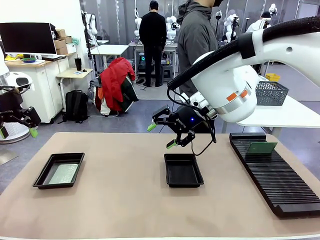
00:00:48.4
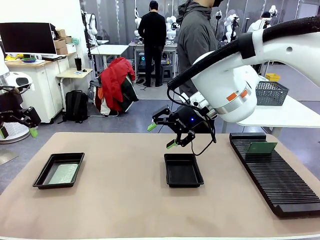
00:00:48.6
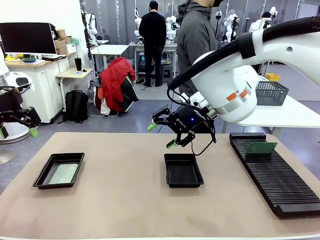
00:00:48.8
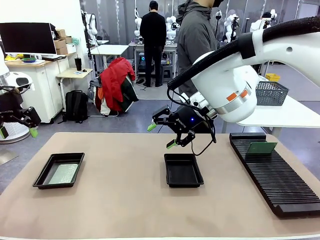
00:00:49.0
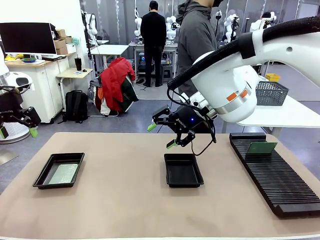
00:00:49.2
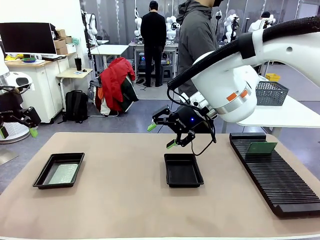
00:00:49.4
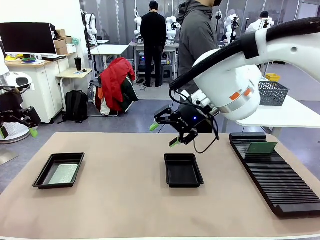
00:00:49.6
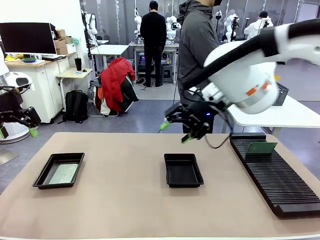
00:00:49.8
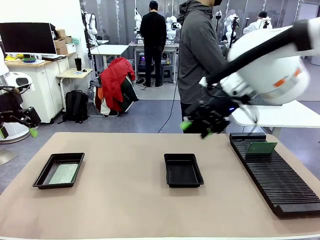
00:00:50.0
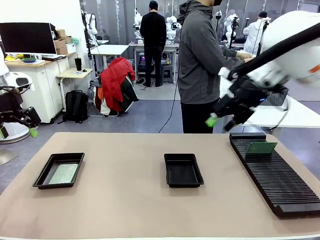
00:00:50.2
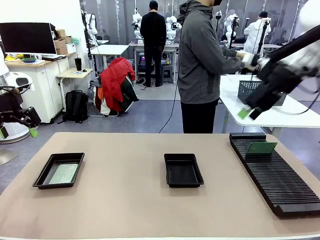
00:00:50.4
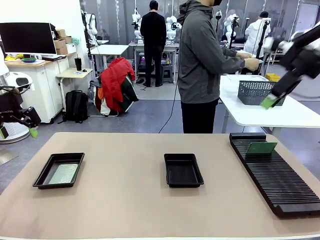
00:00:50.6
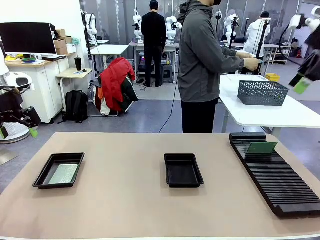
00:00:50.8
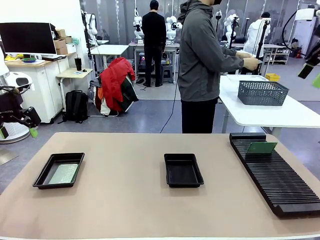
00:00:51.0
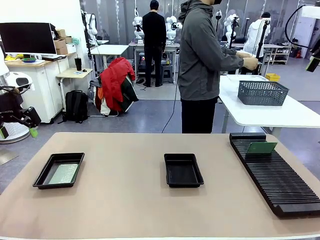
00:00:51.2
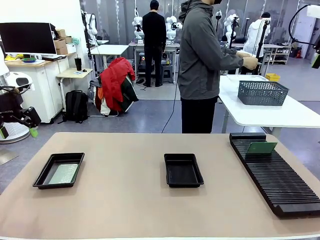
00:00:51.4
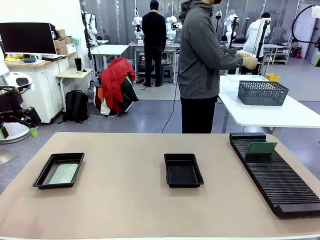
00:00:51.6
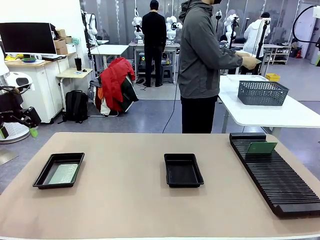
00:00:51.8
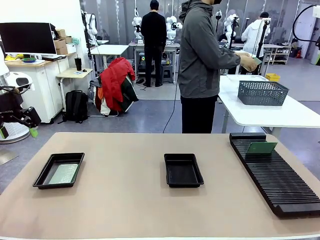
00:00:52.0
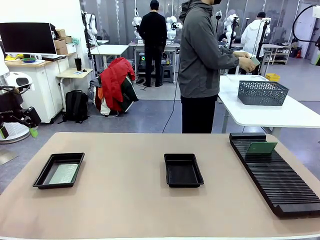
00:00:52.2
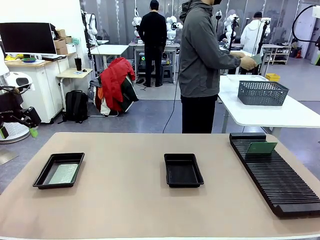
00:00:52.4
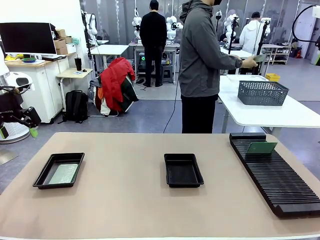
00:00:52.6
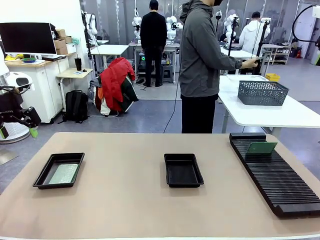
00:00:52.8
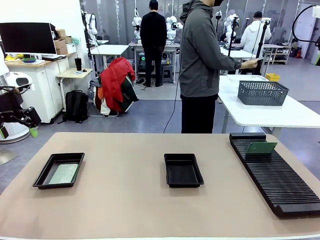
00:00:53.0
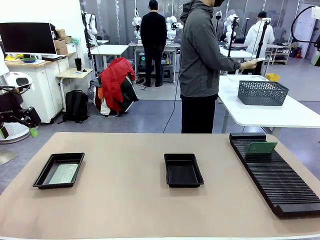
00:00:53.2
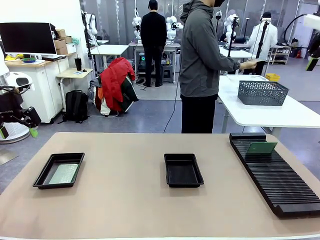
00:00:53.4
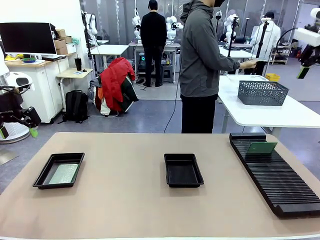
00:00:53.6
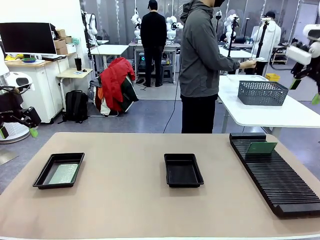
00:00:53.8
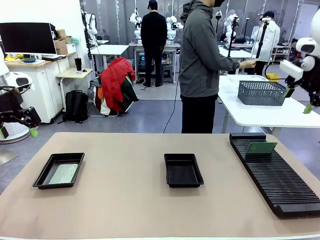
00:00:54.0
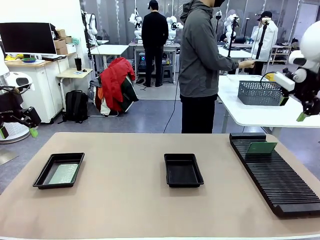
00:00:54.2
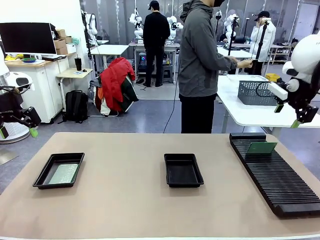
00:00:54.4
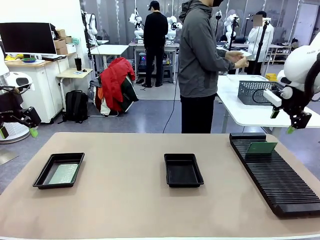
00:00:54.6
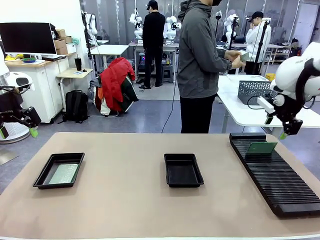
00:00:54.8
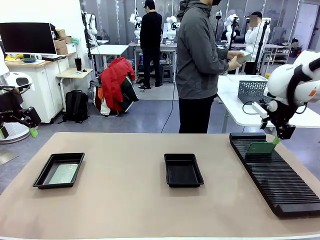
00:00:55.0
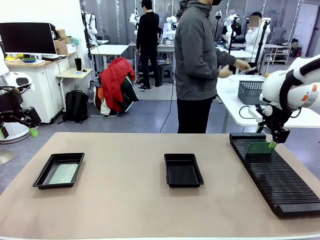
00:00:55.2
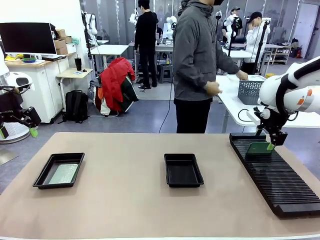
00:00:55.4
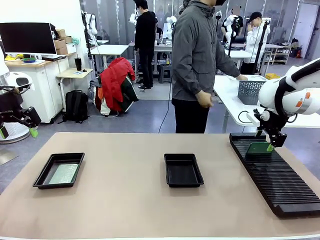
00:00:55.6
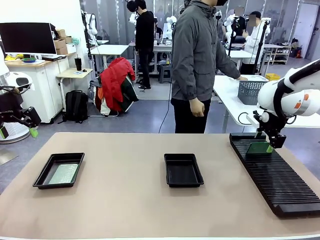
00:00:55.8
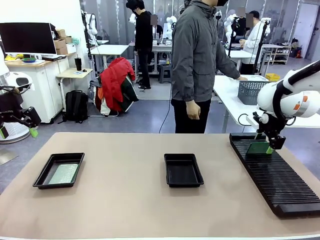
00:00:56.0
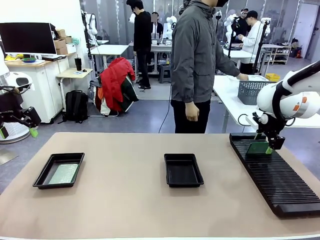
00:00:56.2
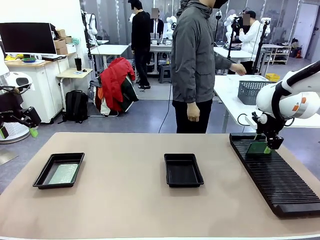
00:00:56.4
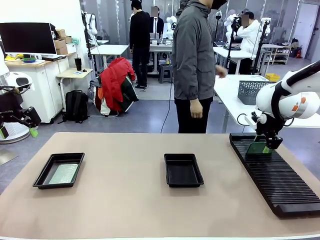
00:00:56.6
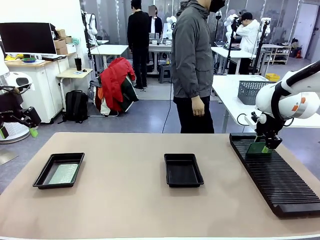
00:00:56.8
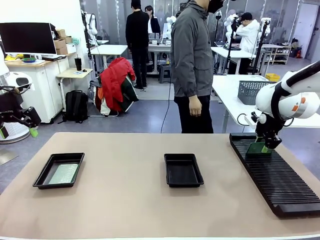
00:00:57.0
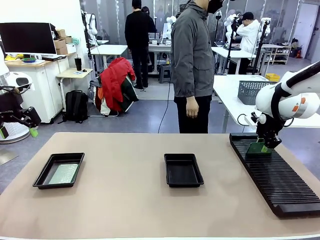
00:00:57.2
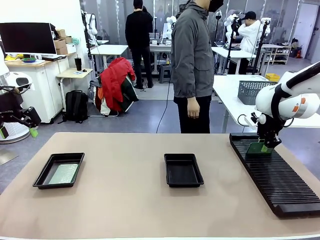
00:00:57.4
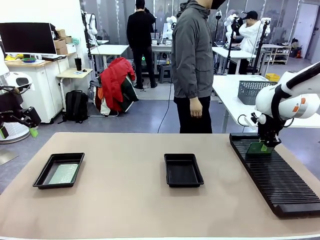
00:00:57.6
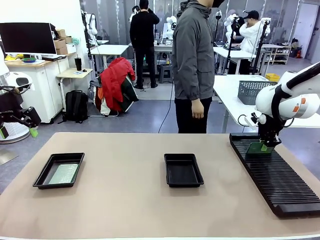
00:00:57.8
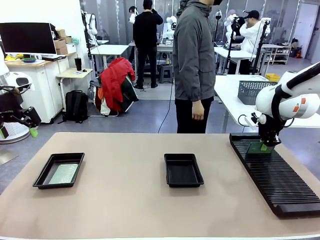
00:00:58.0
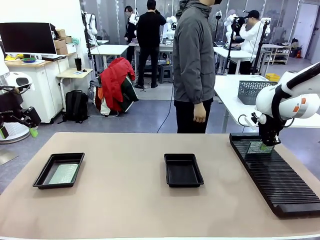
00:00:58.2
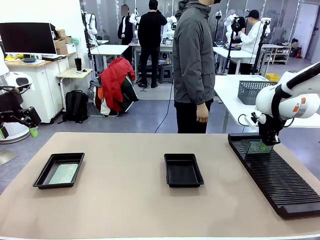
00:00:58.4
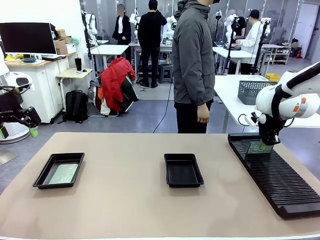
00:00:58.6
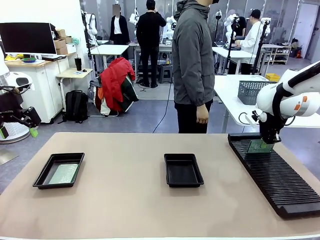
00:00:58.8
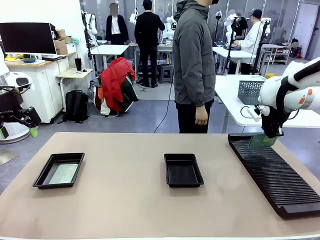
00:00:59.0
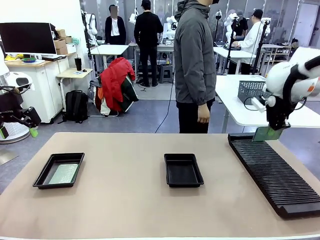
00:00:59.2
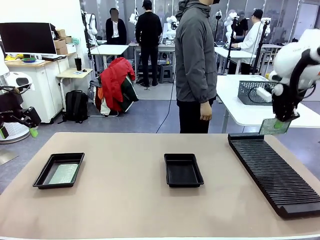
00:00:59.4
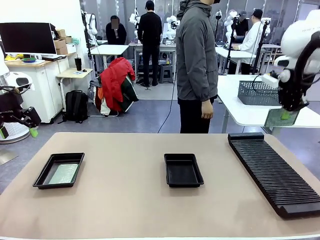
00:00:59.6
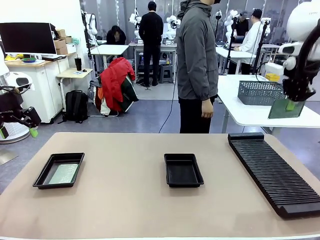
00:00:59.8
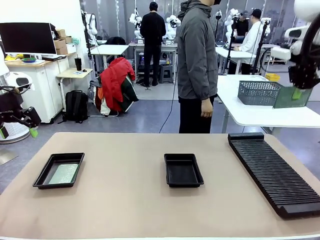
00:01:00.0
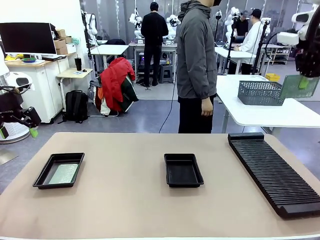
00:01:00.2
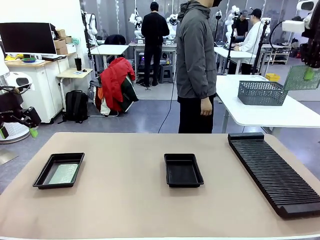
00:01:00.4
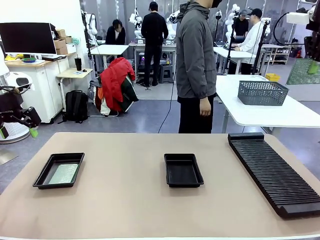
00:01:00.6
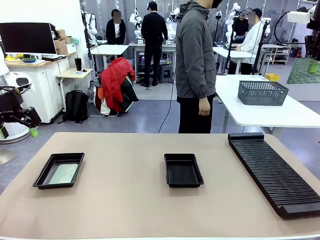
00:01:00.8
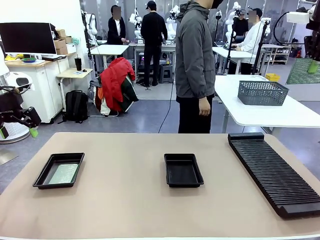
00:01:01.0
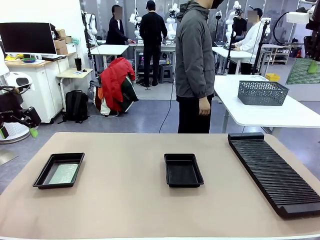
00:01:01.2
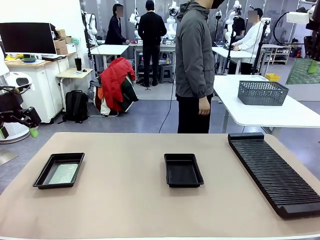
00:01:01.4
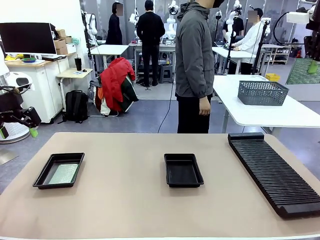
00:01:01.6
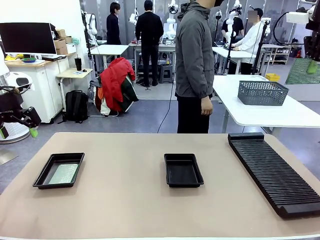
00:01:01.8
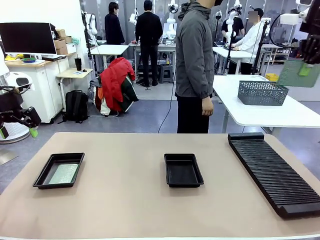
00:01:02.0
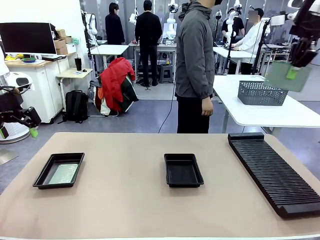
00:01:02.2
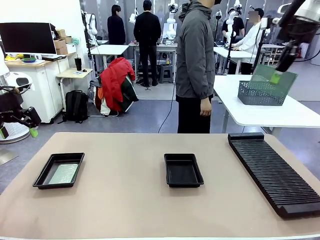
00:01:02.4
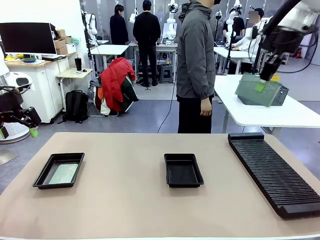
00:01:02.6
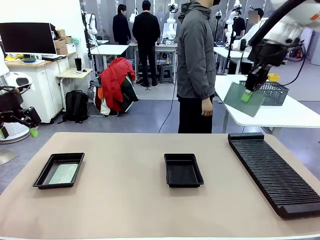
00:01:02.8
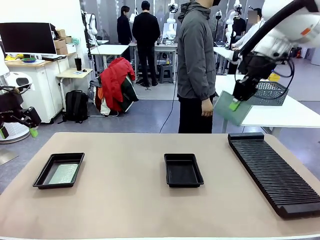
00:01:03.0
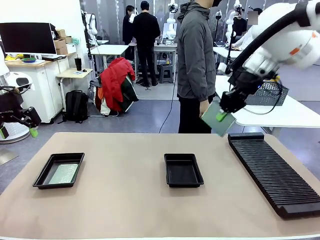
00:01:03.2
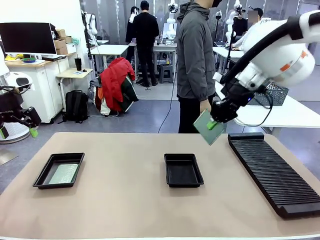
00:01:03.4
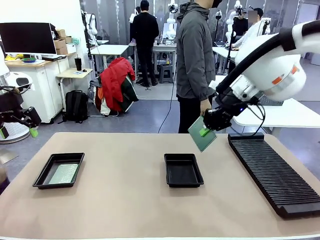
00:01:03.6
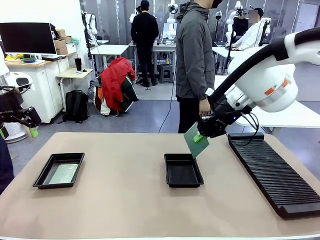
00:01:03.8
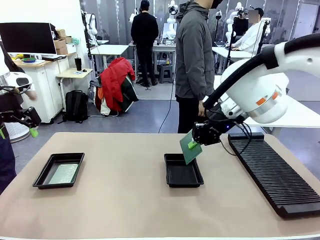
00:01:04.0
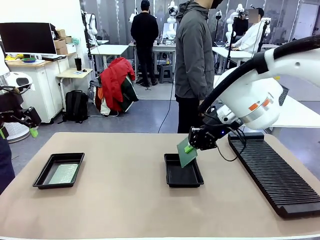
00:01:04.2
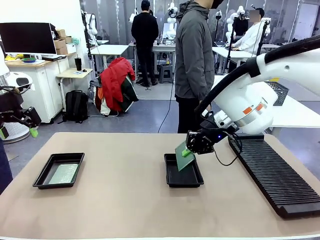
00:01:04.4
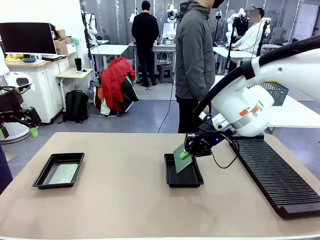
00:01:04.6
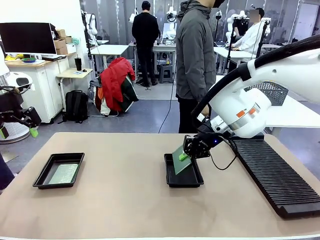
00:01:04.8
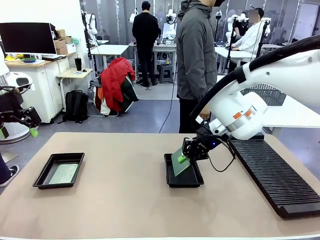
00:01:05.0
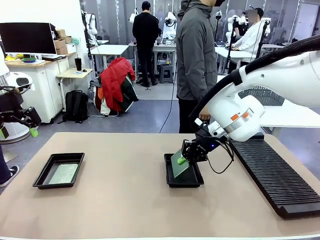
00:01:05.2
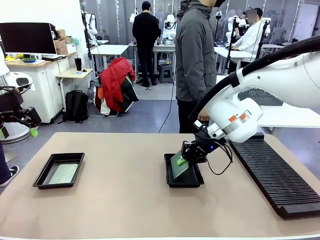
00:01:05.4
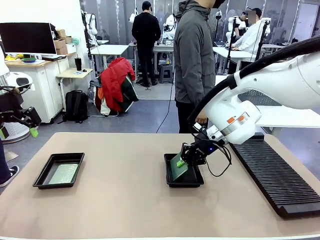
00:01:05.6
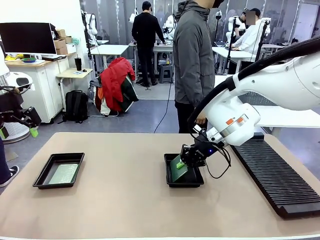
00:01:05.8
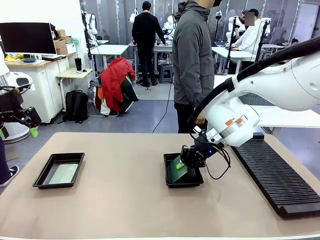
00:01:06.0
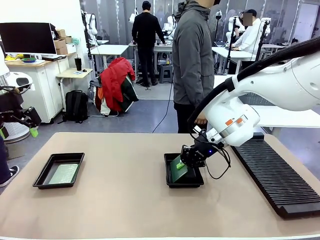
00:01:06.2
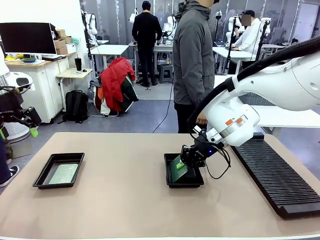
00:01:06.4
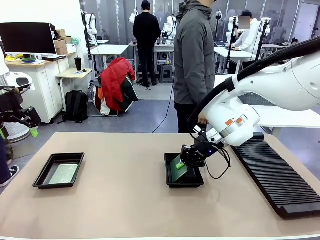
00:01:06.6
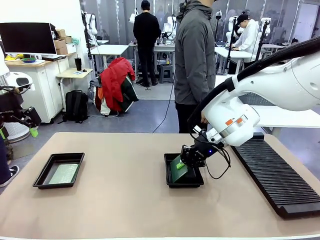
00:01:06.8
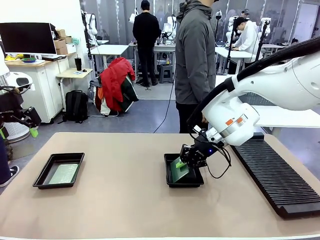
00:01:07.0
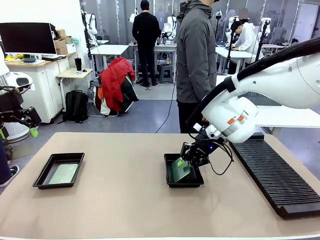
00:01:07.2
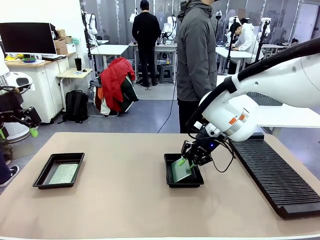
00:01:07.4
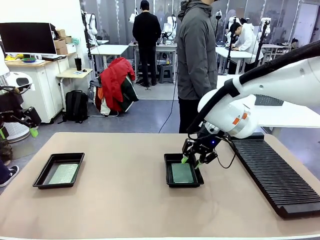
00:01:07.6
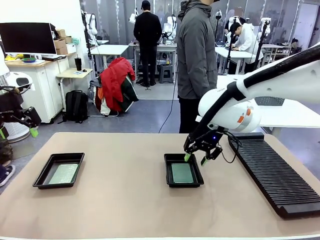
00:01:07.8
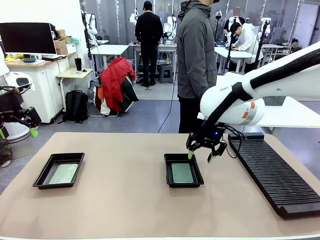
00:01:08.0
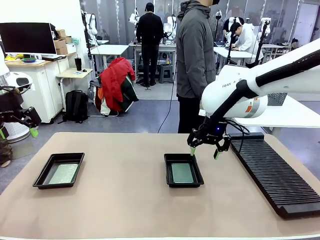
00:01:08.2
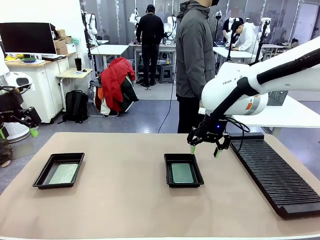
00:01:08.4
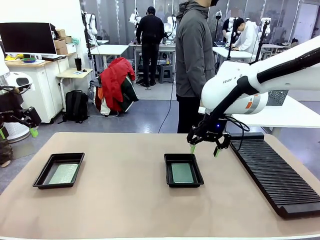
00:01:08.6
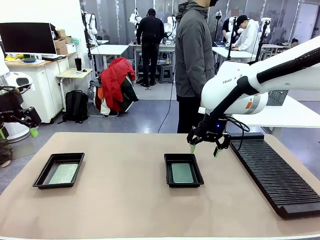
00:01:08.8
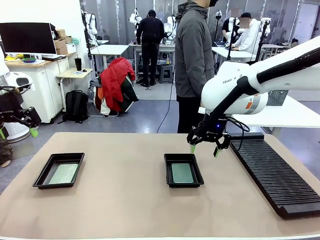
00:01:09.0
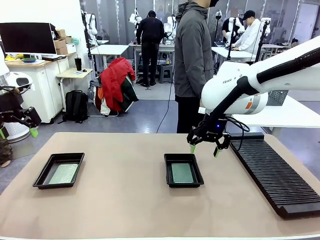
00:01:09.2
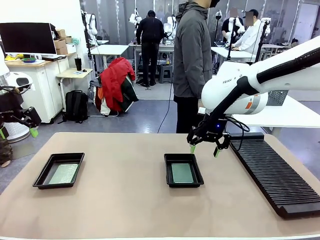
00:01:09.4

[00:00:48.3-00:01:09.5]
Task: Inspect and transfer BCBs to ESD trays.
Robot: Pick up the Blank PCB from the PCB Rack and place it in the right ESD tray.
